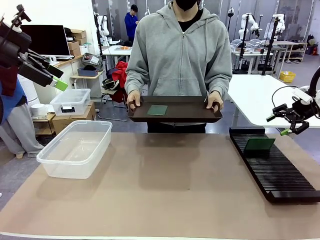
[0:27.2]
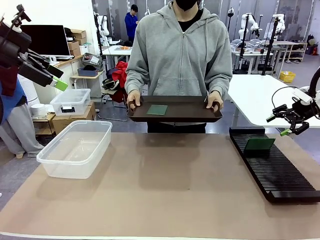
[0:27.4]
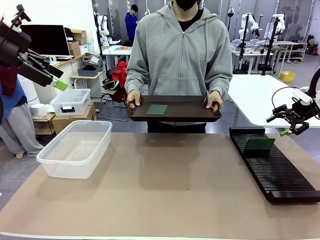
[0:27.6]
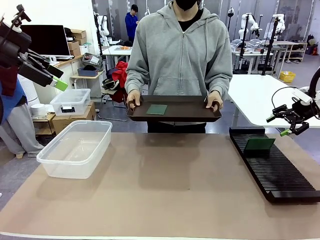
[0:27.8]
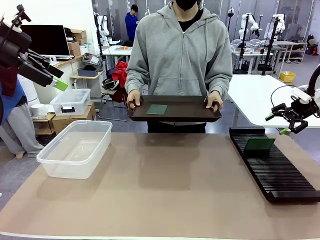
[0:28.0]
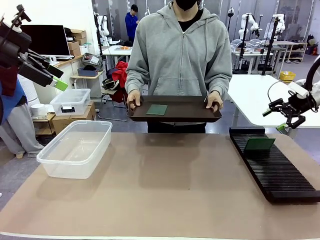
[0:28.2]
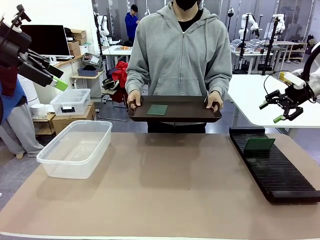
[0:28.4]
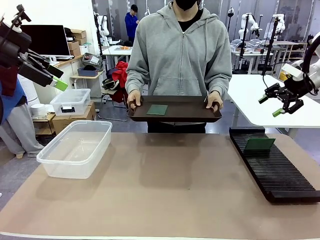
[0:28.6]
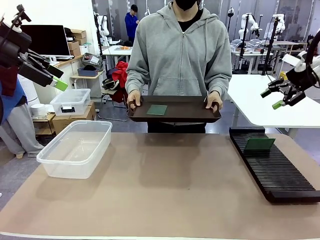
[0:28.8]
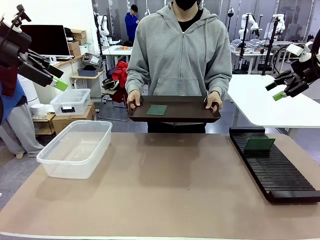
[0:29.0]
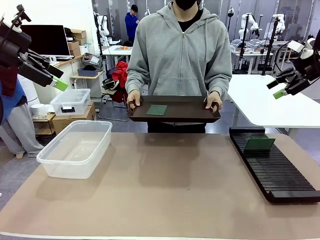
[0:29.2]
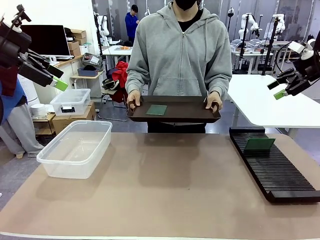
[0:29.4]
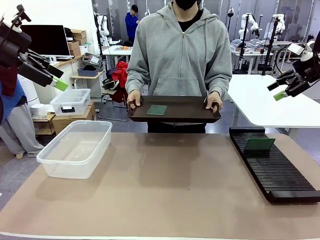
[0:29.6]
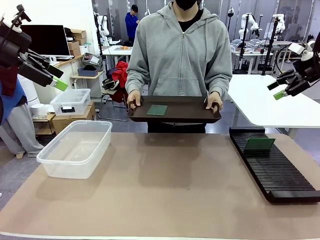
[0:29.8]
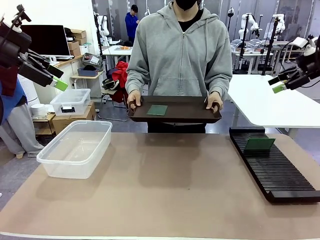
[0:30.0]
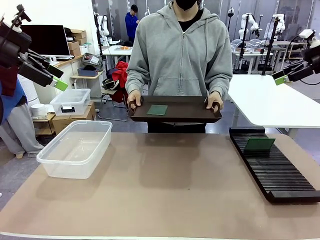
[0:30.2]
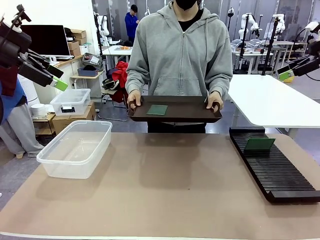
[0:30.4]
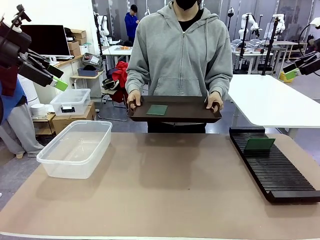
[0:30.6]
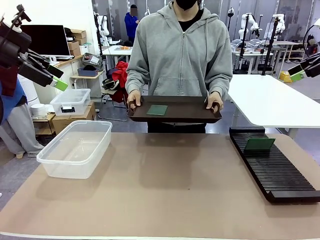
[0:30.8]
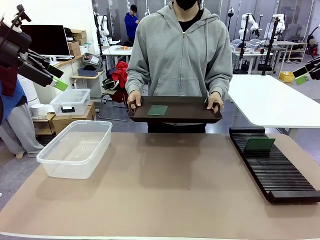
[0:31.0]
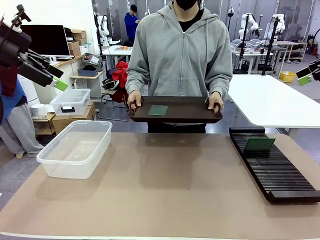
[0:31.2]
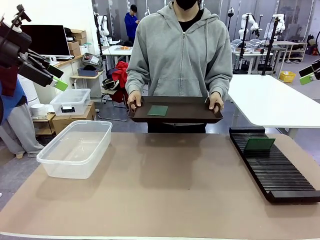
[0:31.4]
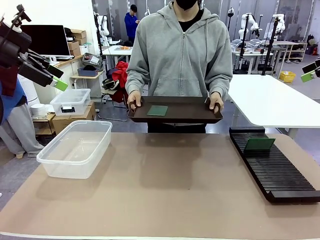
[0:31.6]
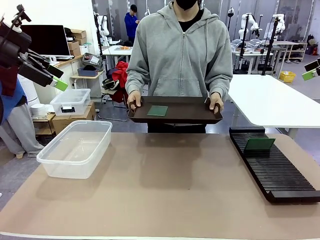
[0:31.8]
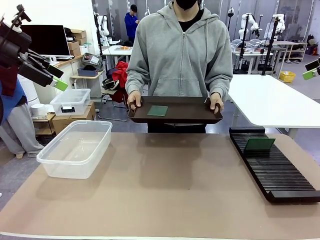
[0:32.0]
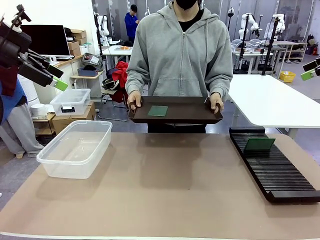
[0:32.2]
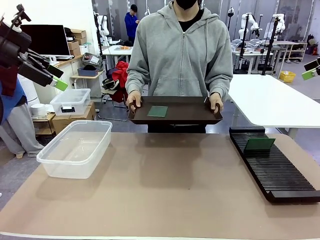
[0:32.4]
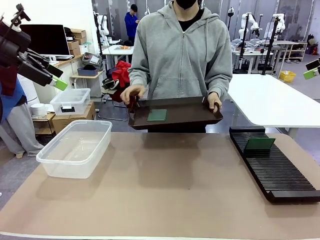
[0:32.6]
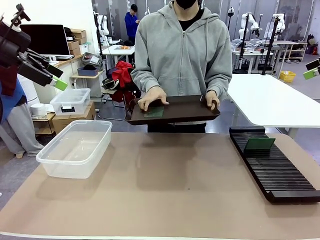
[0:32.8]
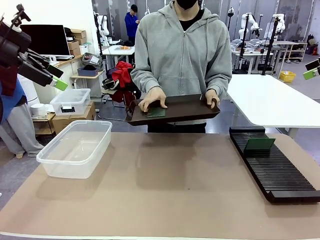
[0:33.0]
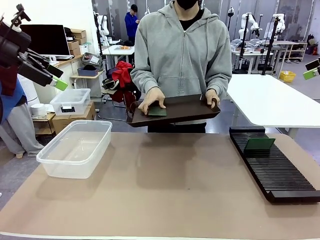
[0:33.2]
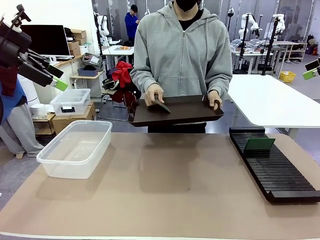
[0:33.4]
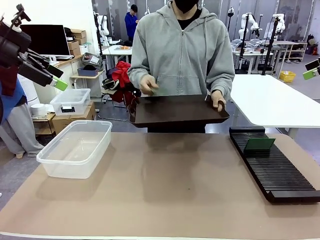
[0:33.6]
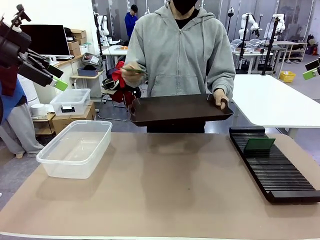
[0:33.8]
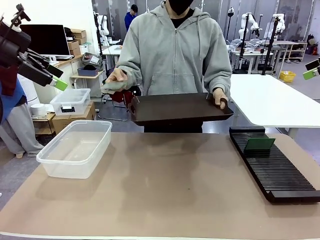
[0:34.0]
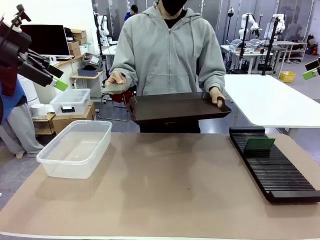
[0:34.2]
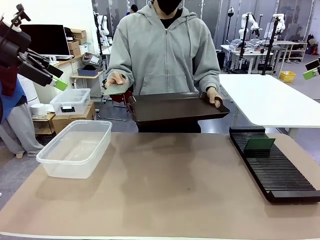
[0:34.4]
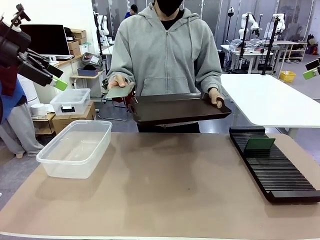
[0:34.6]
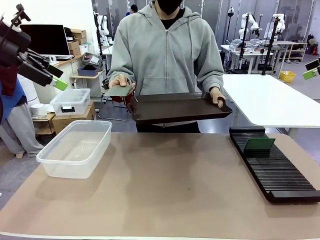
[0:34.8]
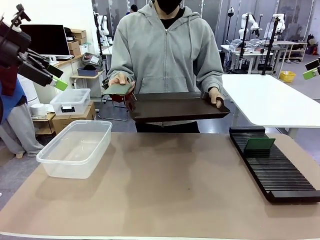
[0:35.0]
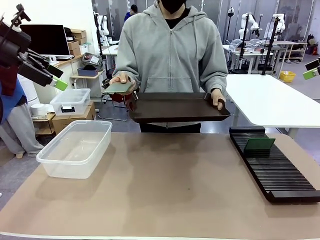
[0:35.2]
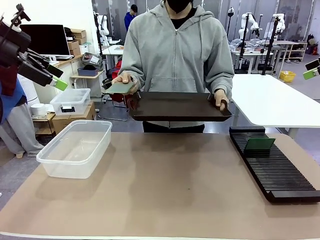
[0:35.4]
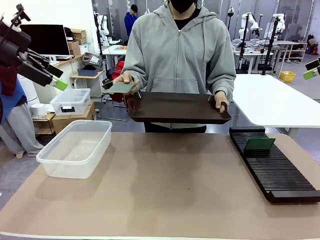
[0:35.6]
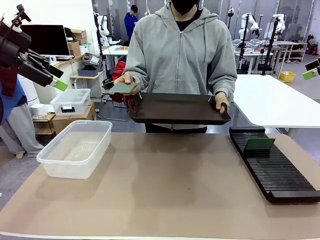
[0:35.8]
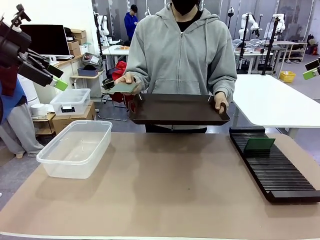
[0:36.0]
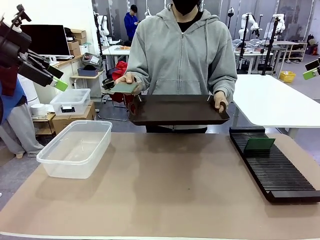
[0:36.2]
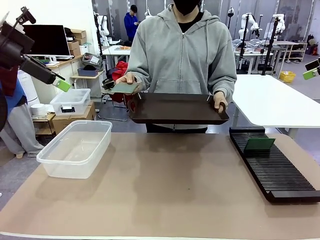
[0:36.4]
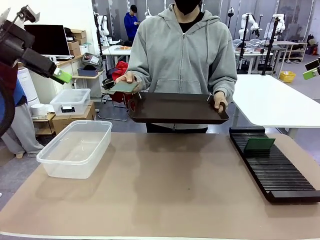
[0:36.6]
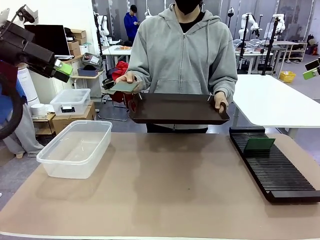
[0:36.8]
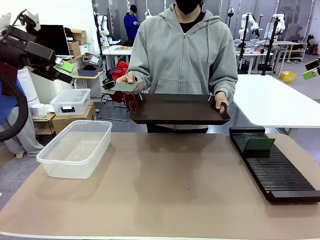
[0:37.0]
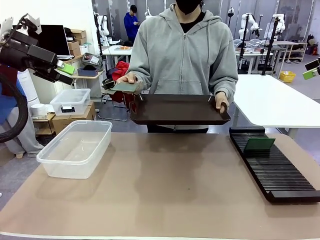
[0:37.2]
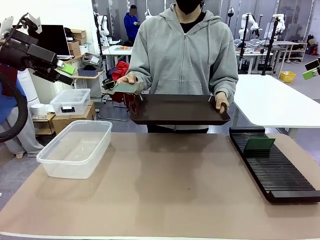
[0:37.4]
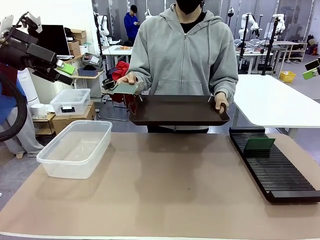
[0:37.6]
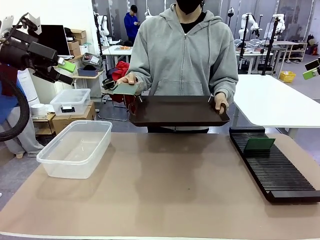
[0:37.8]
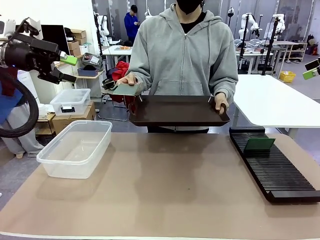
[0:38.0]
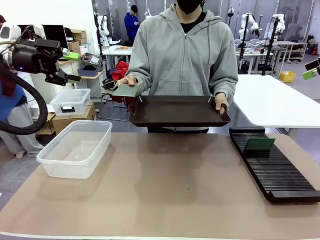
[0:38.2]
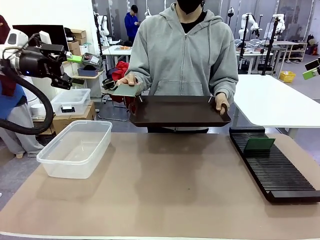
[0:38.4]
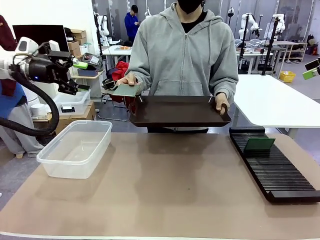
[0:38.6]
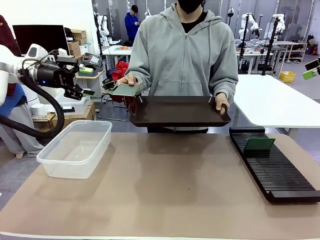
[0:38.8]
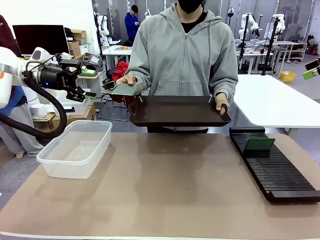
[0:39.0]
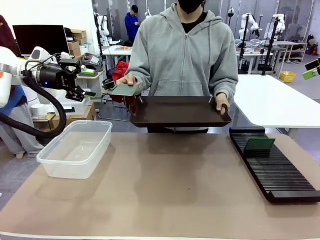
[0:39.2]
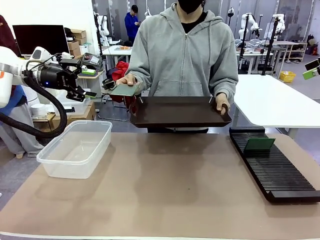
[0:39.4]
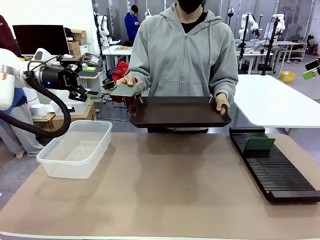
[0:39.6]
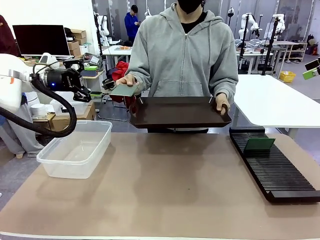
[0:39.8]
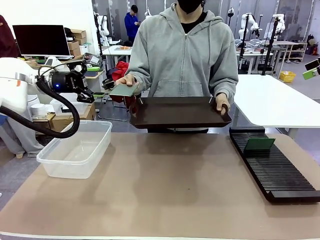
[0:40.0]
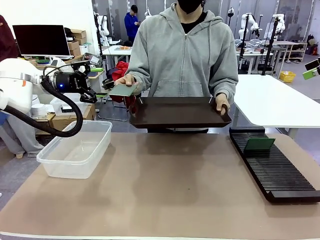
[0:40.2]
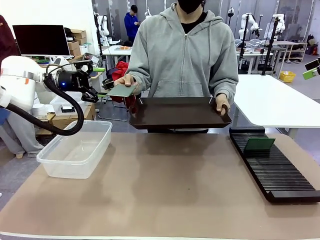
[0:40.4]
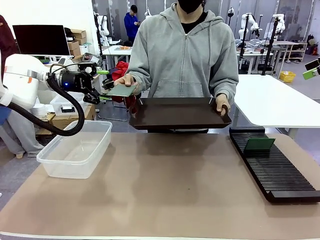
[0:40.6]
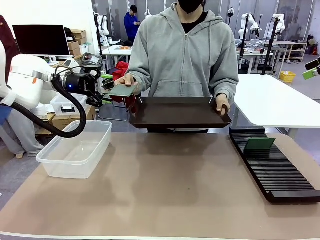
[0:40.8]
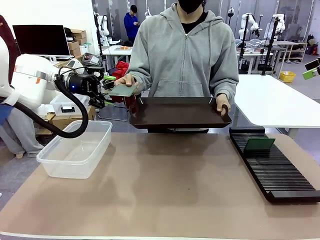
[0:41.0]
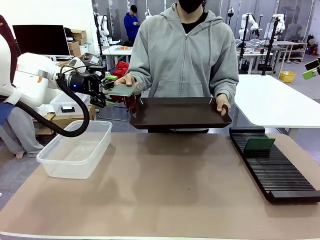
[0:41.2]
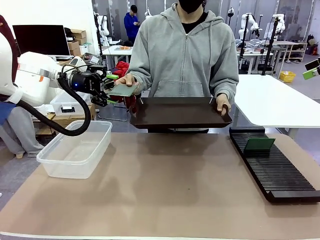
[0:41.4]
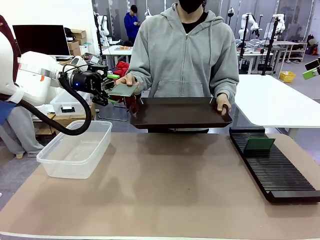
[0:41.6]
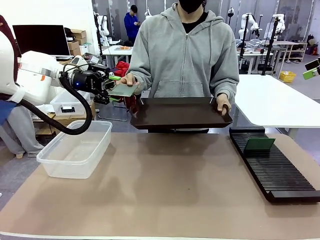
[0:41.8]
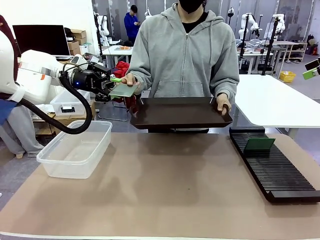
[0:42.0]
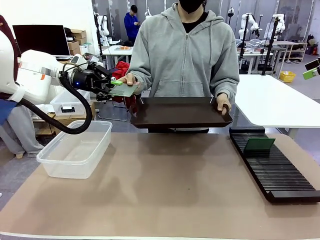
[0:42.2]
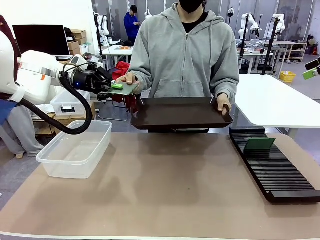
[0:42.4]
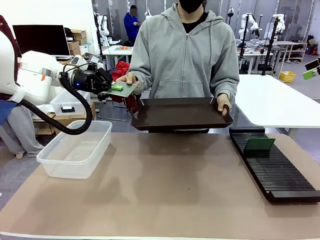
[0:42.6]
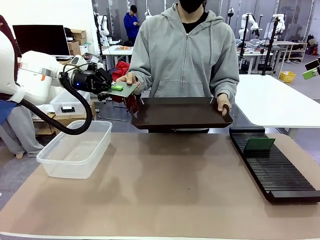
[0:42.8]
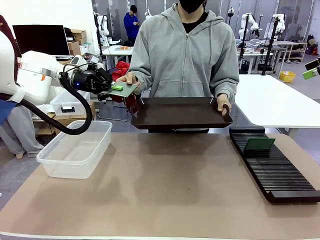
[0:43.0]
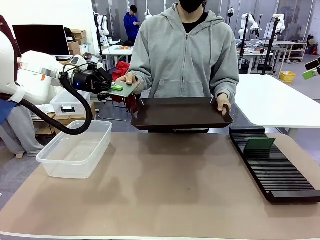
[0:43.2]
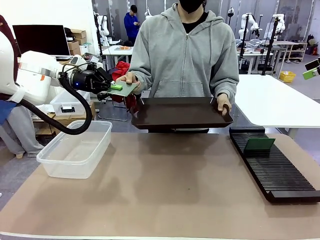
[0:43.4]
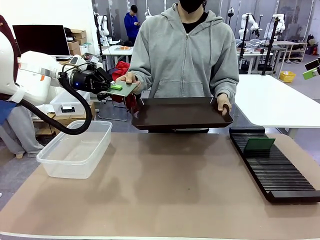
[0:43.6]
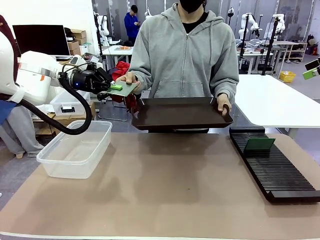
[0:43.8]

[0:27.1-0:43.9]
Task: Sort PCBs into racks and boxes based on the side picked up.
Robot: Pick up the Blank PCB handed by the Human.

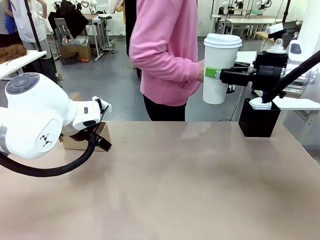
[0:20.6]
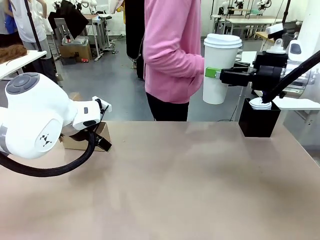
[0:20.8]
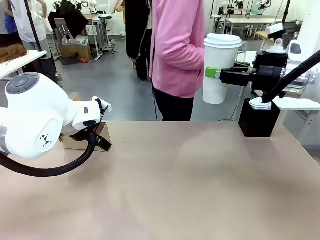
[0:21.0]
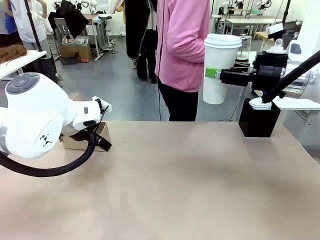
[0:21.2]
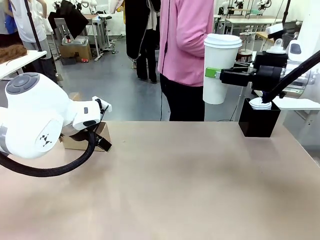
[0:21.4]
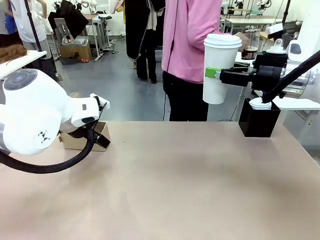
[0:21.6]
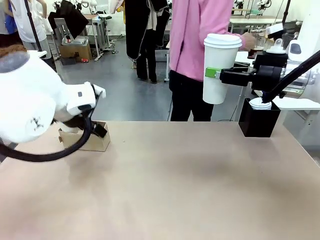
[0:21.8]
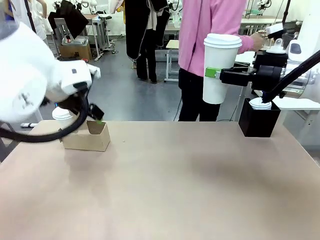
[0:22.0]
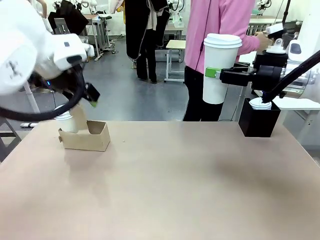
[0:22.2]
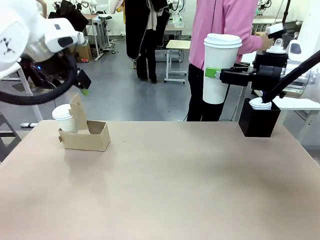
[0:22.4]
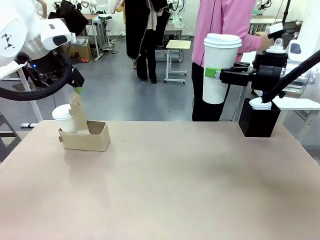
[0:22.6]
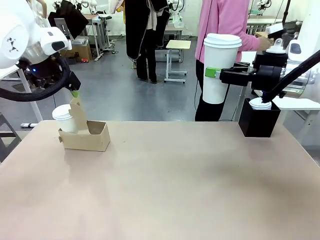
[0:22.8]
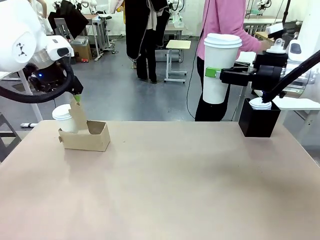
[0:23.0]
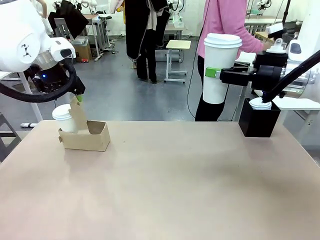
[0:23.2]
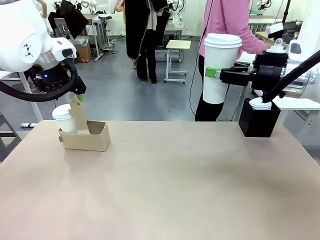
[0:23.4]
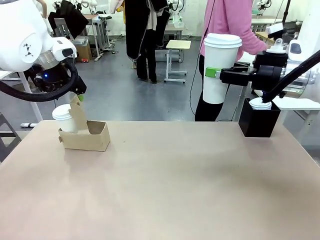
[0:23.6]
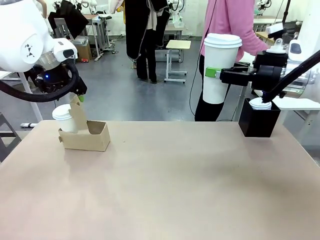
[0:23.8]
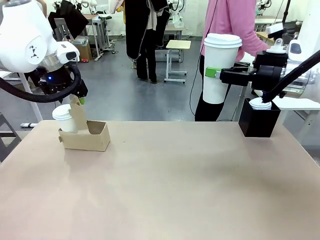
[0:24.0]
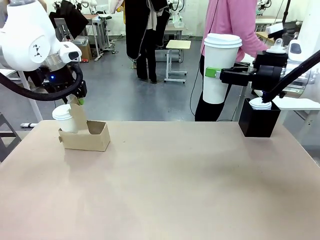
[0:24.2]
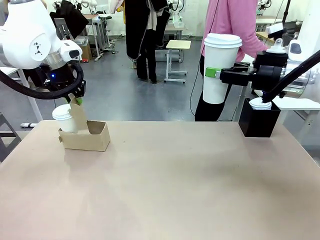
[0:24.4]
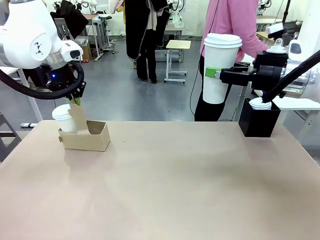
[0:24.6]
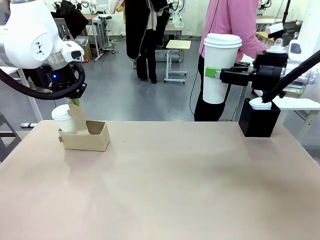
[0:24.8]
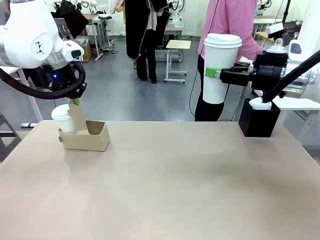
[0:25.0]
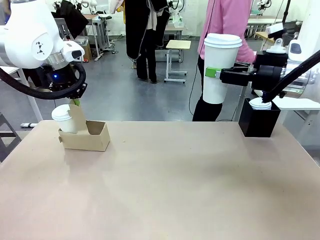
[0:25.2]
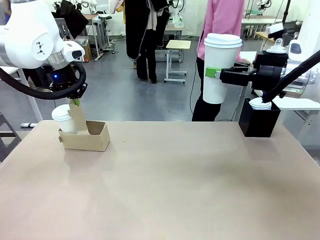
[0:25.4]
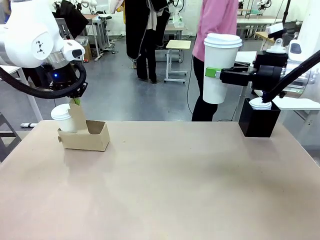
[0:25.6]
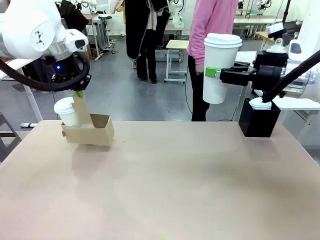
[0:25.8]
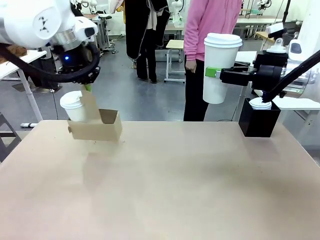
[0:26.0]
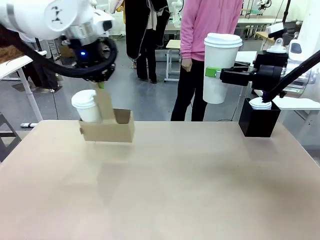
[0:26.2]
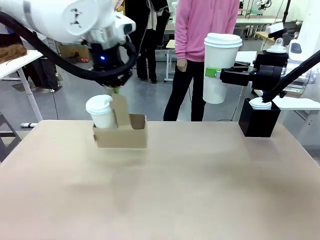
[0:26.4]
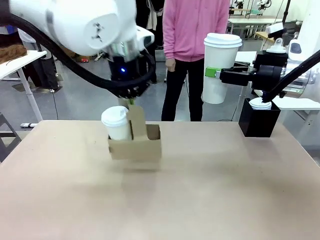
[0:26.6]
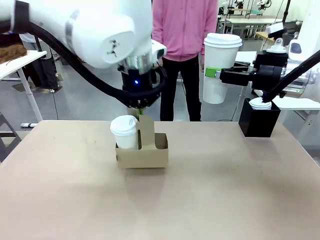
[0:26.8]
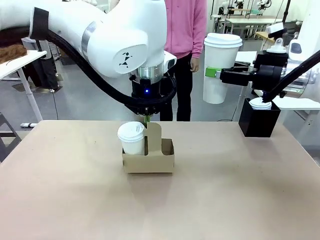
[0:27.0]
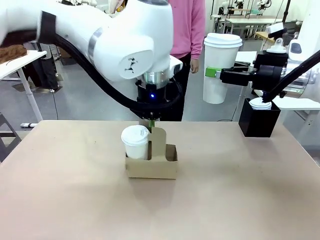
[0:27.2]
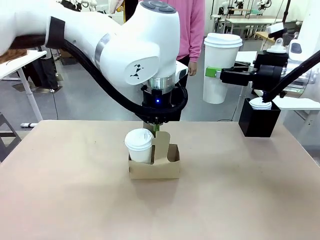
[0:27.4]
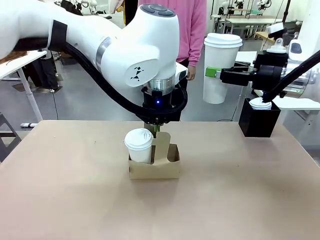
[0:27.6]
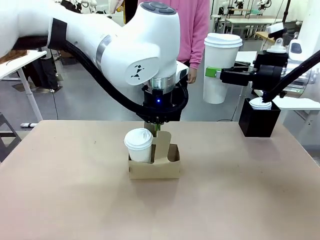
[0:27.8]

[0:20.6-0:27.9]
Task: Pour a drink into a cup and package it in a carrier.
Robot: Position the Cup Carrier in the center of the table.
Person: Pick up the Filter Brewing and place on the middle of Human table, and return to the Robot table.
